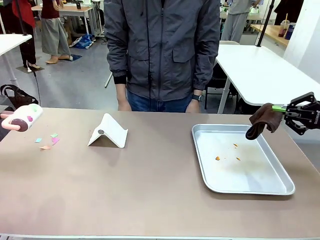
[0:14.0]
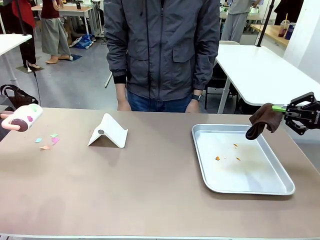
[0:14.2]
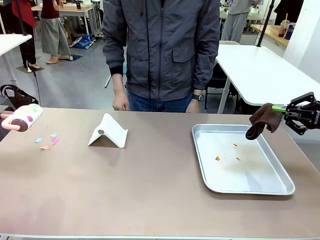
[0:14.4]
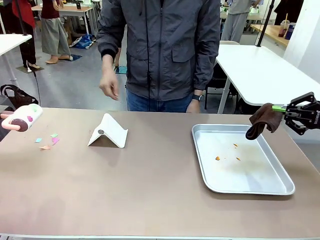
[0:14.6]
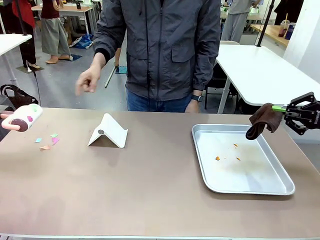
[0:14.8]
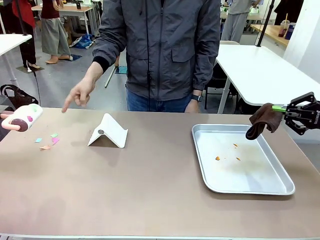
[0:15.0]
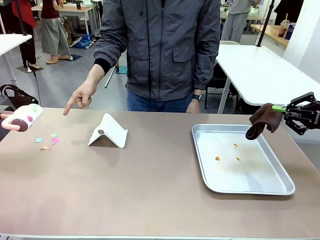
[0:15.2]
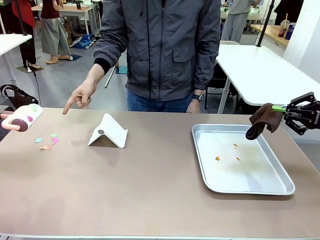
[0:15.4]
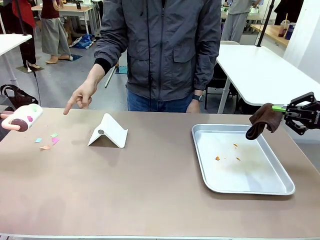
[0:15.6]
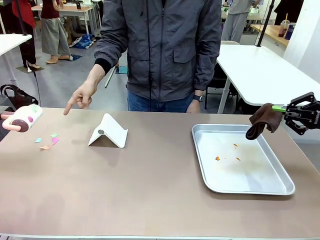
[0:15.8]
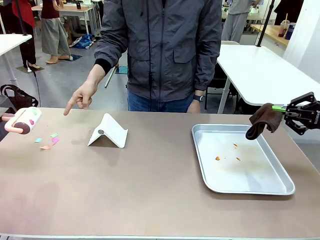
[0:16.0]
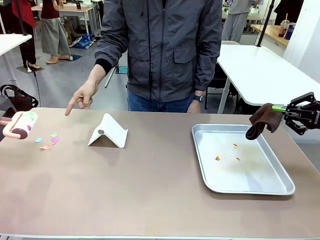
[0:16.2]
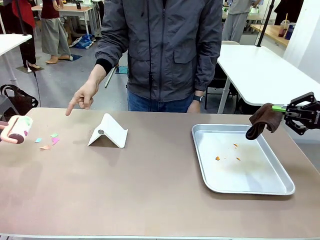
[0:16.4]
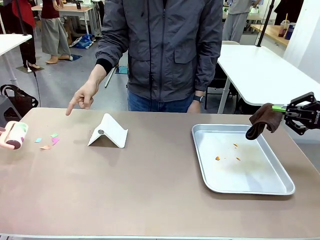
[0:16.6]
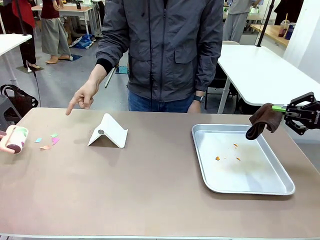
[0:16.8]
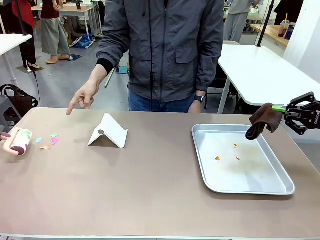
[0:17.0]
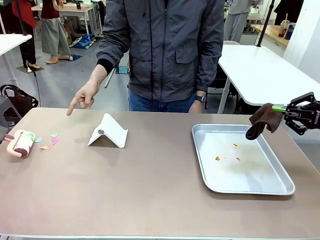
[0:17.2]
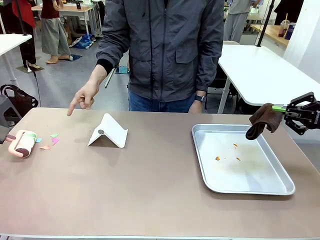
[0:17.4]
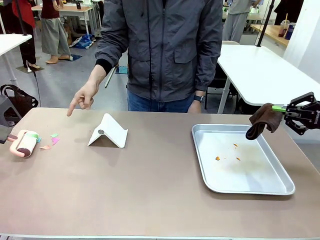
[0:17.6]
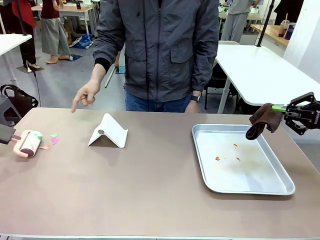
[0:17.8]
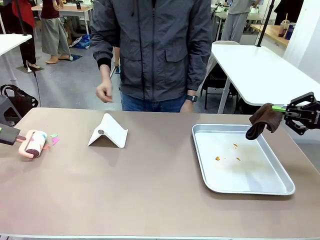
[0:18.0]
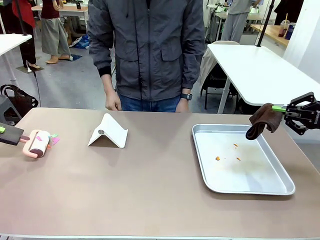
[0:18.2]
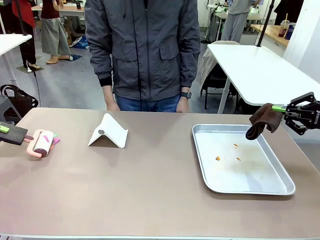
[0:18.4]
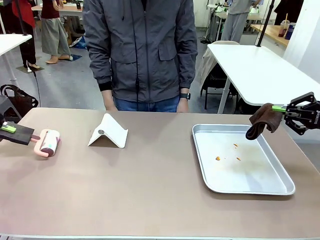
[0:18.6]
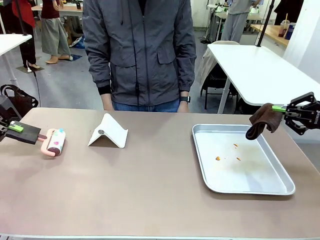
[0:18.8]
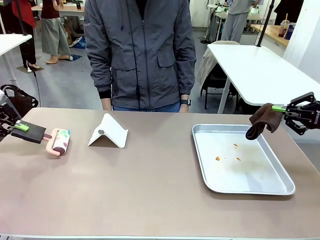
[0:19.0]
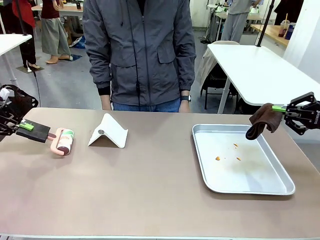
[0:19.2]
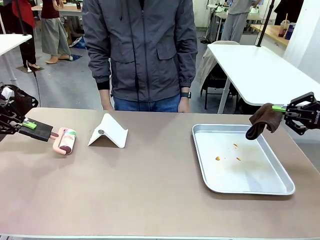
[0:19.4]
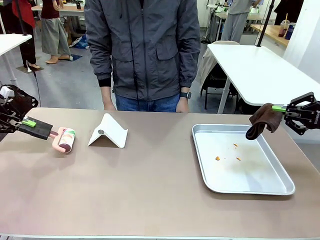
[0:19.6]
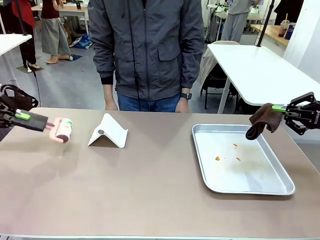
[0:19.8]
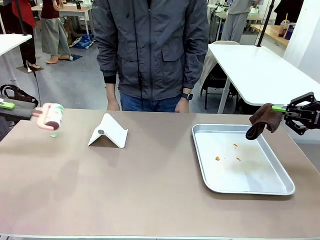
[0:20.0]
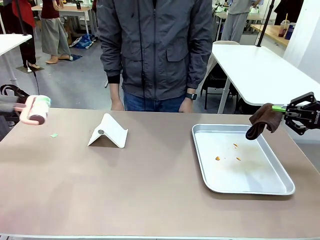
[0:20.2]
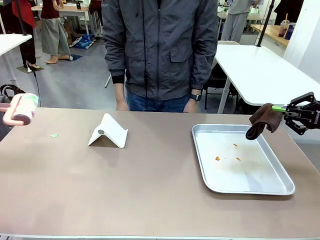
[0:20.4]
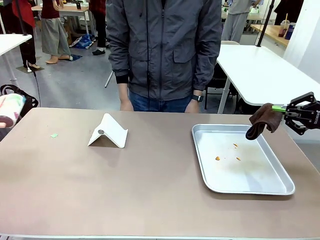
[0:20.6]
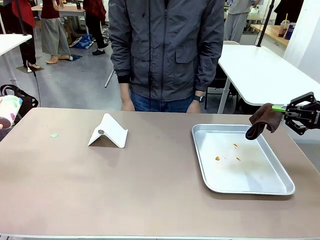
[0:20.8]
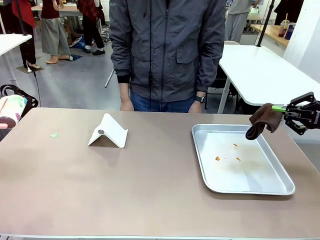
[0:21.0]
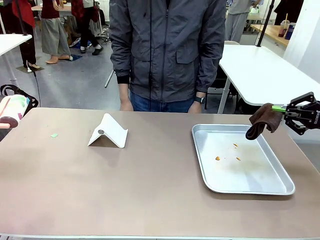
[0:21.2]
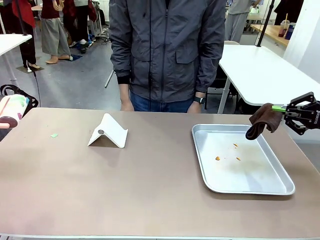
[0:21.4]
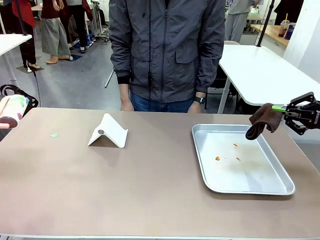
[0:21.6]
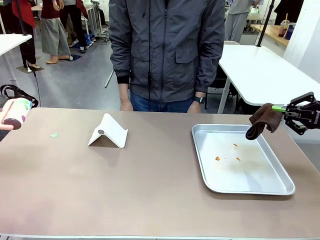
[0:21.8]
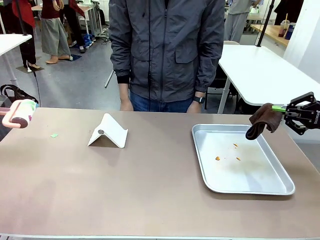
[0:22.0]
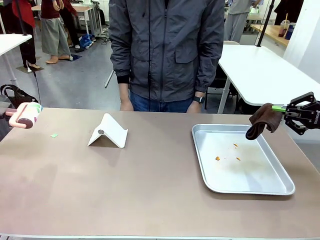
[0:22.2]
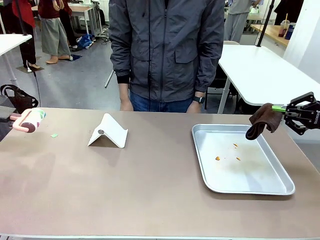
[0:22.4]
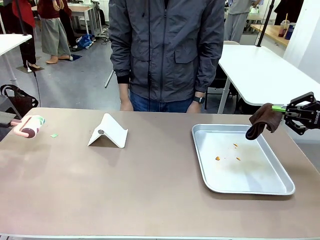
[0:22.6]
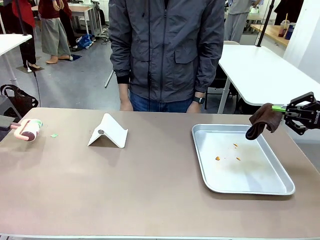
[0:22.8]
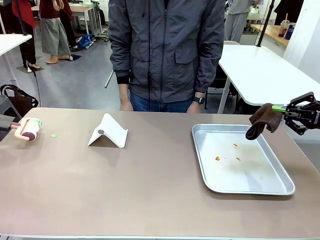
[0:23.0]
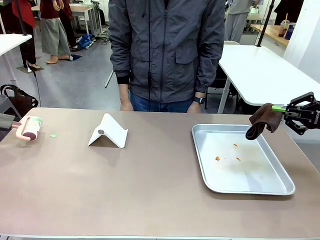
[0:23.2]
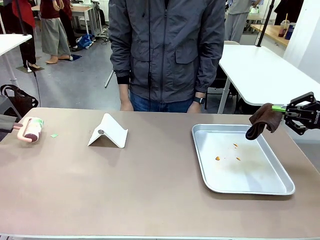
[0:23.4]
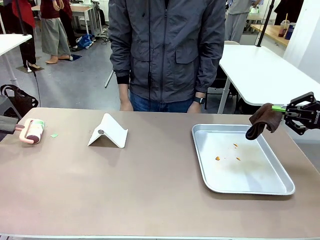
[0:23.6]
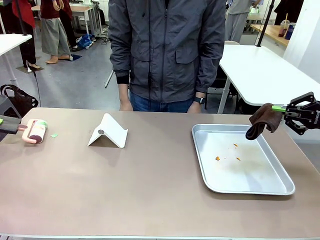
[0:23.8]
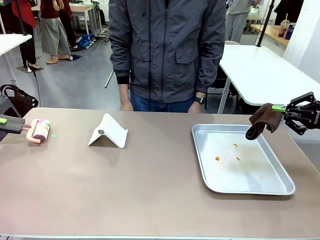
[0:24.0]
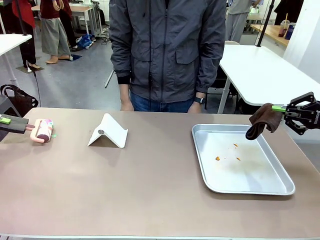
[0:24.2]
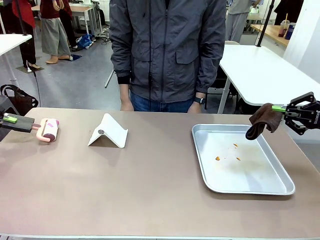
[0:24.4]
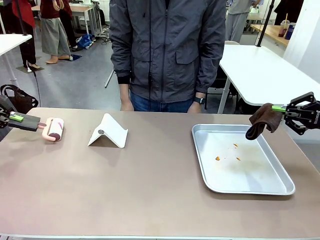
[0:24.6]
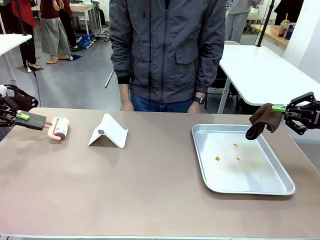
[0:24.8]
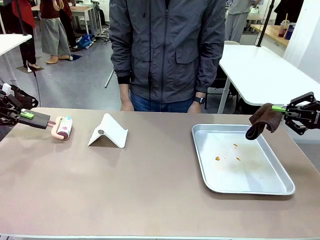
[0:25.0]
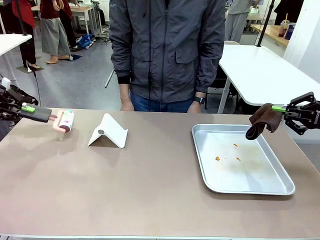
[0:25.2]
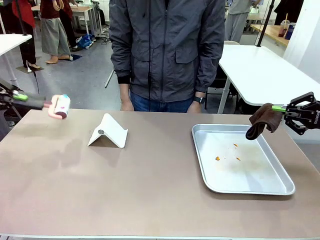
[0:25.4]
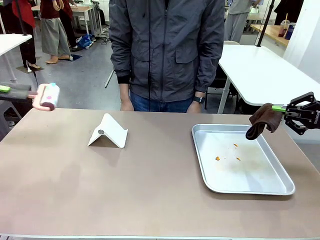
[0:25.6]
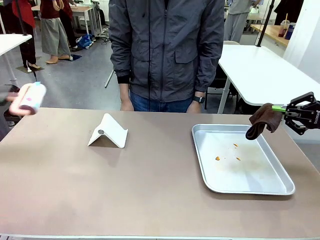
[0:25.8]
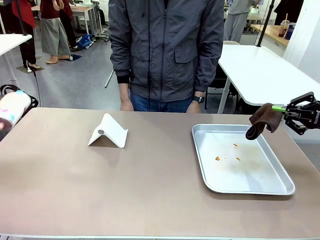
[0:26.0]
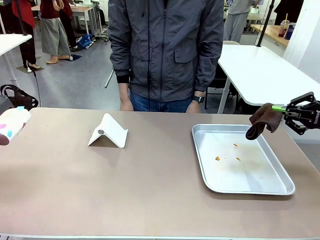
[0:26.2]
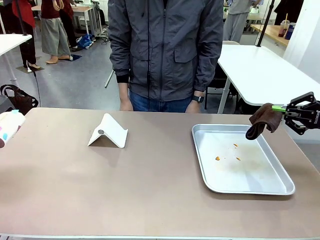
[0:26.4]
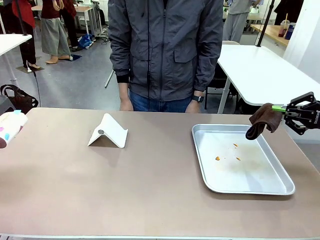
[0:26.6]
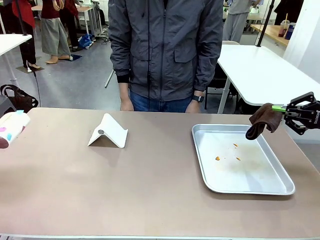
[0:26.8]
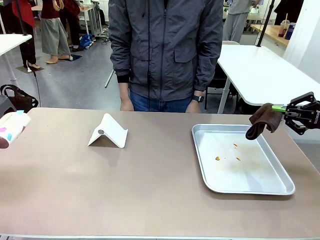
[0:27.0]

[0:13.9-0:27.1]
Task: Clean the surface of the table.
Robot: If a person points to the right, clean the right side of the table with your right hand, and if they point to the left, clean the left side with your left hand.

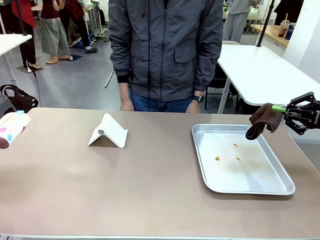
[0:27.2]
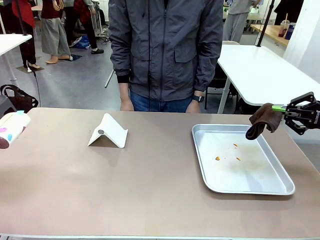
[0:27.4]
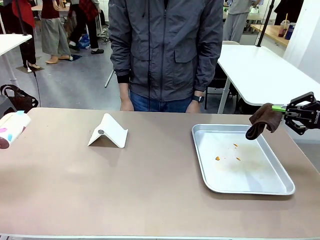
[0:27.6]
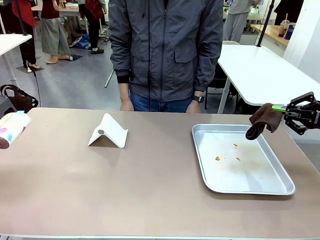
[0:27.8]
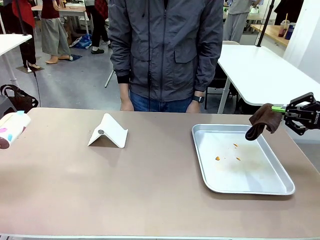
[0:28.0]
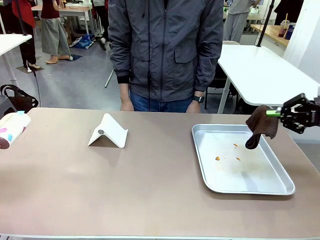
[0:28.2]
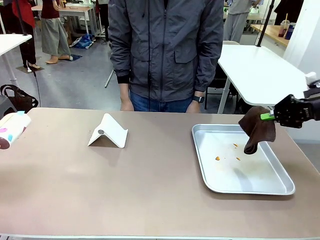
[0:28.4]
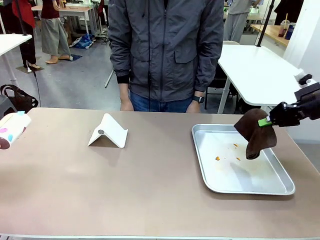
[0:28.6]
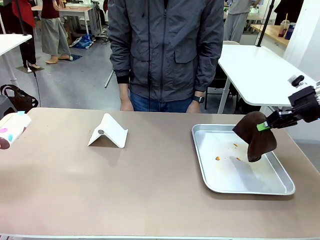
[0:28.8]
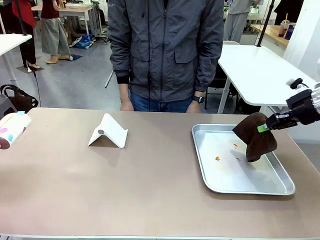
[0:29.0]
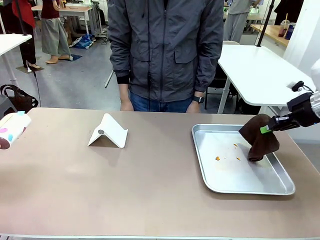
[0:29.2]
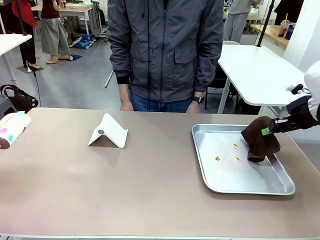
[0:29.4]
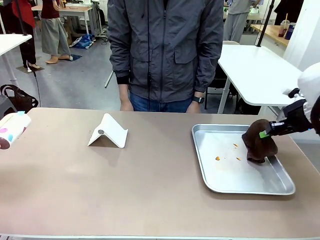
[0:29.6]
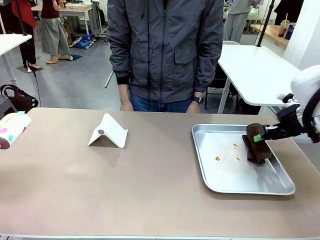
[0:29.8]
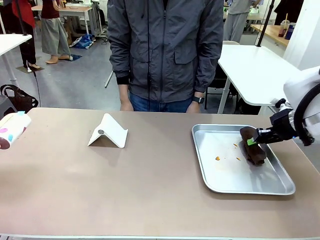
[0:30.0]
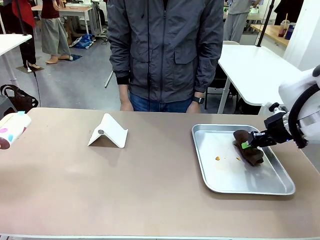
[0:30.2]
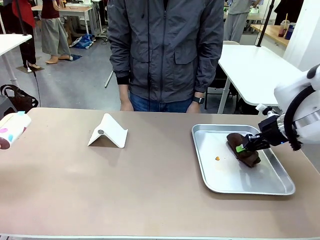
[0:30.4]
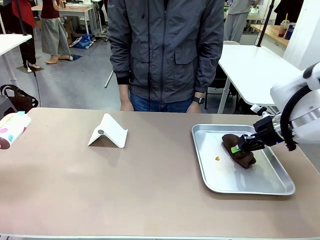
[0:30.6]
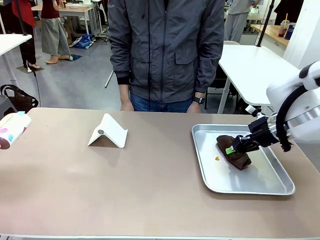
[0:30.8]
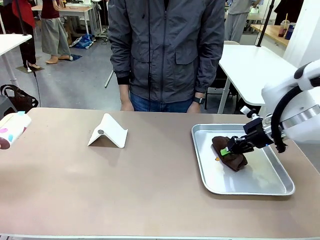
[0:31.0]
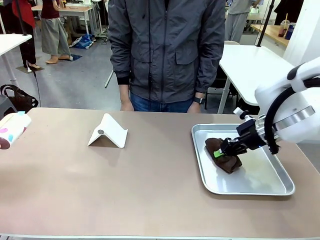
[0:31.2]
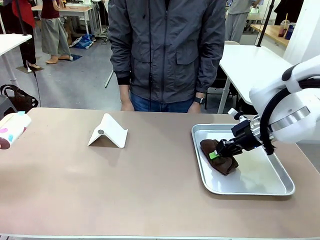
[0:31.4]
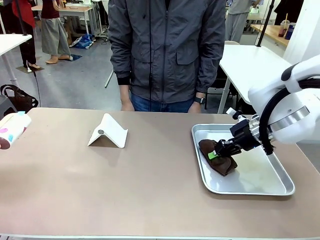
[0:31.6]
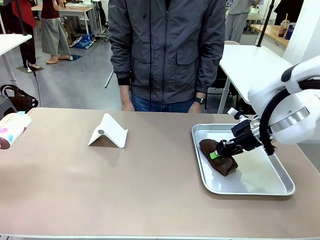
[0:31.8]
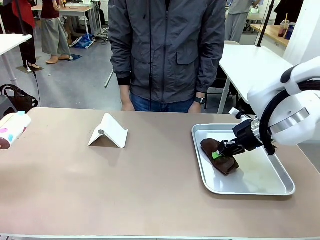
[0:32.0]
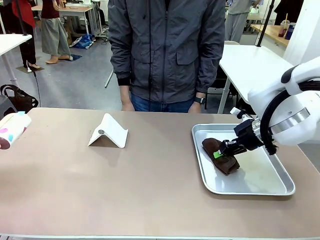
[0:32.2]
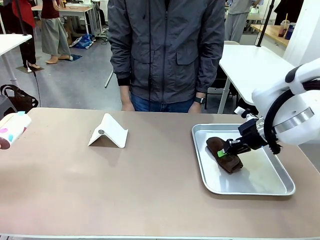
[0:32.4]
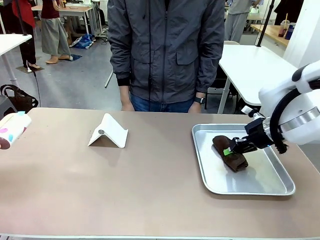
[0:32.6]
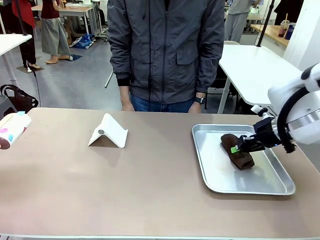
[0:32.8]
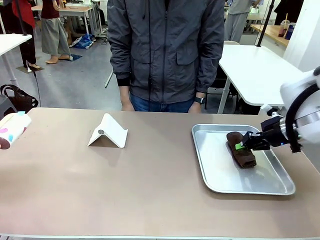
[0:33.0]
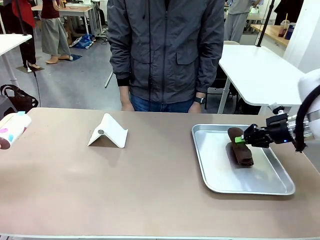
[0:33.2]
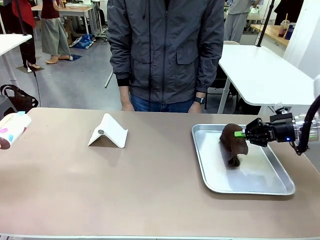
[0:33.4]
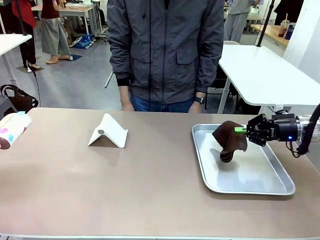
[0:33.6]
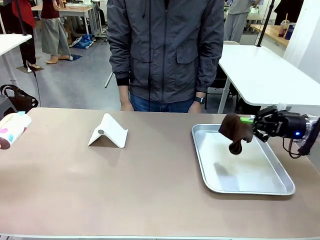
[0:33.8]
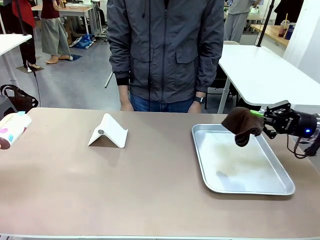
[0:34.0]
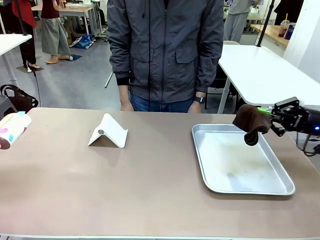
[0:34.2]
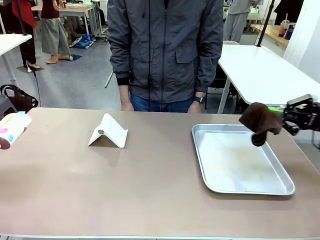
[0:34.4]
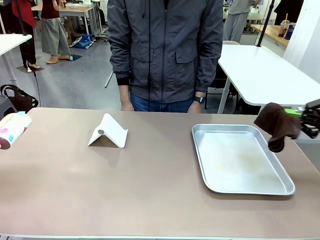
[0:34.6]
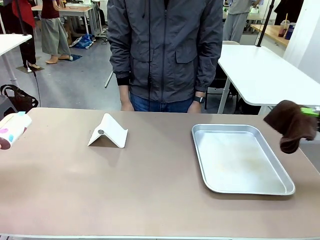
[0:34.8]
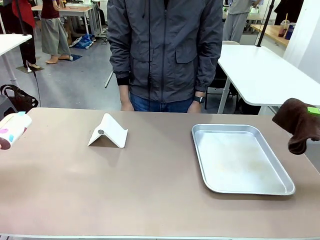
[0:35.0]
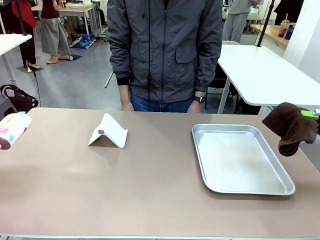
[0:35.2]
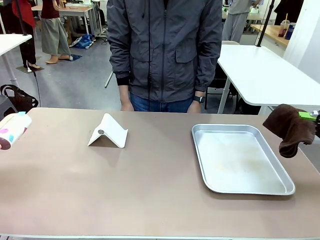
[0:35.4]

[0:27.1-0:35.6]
Robot: Clean the area not pointed to by the person.
